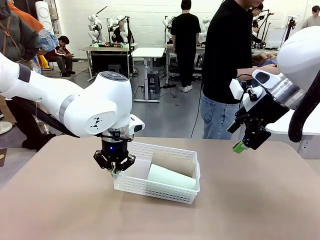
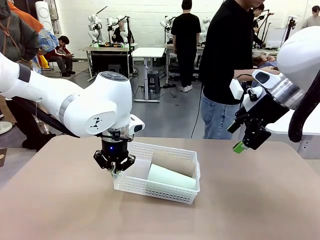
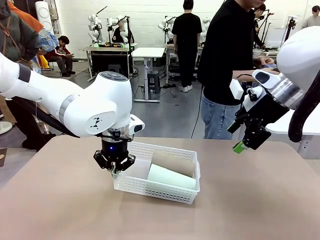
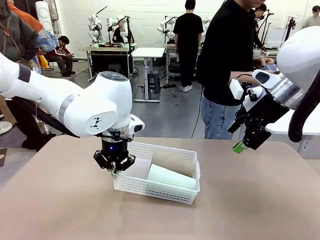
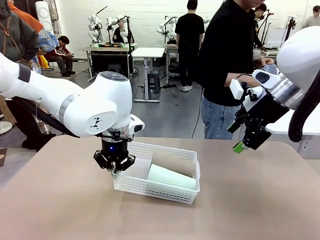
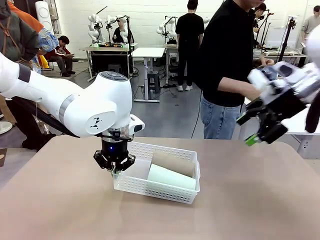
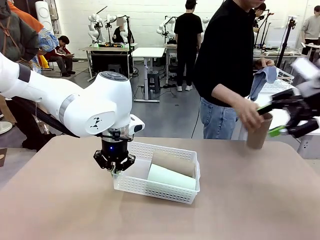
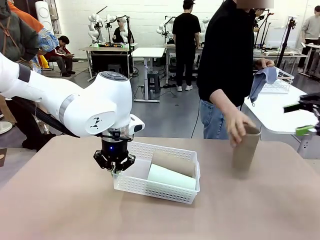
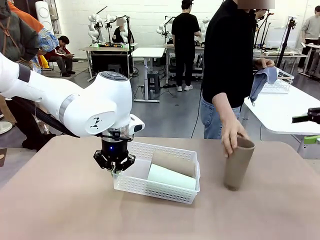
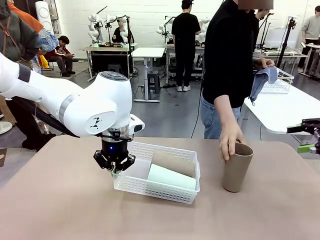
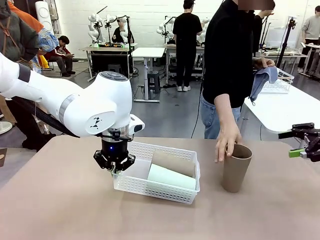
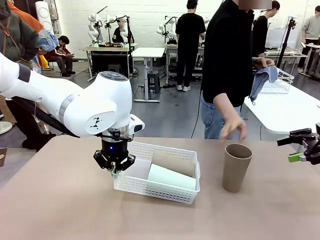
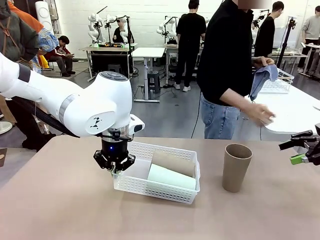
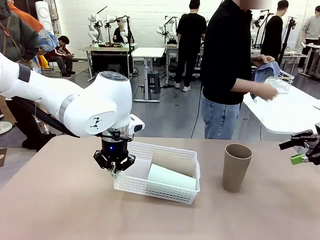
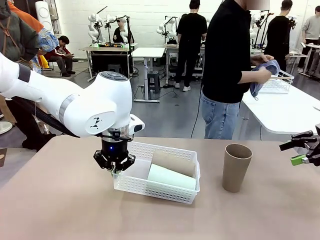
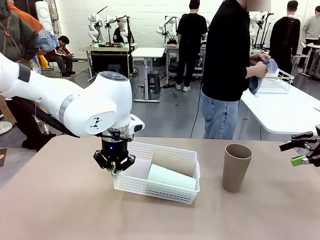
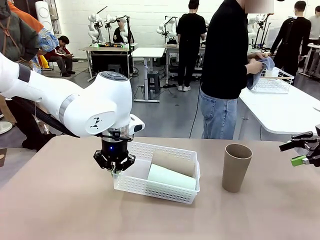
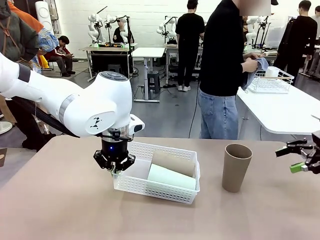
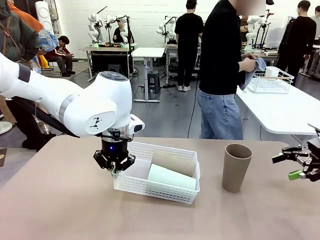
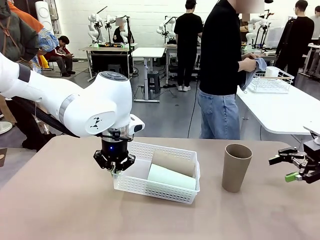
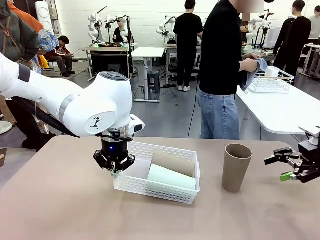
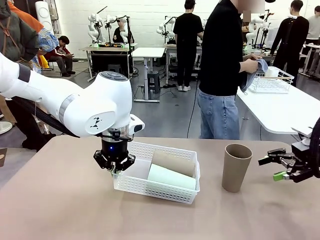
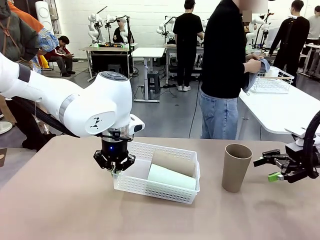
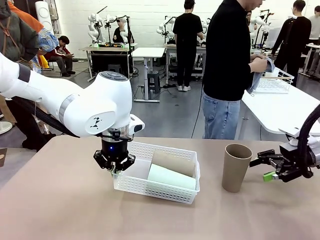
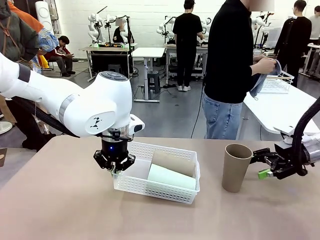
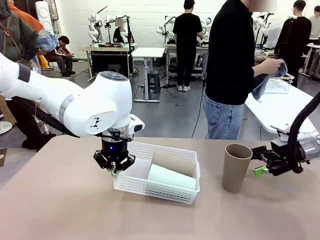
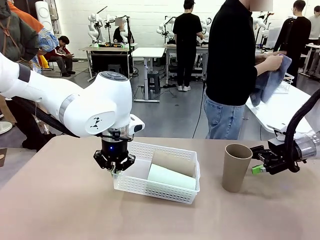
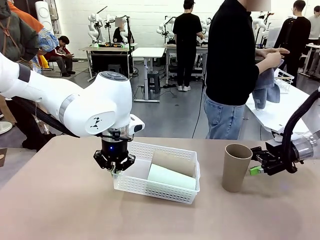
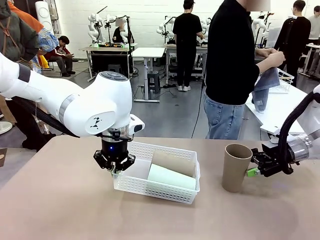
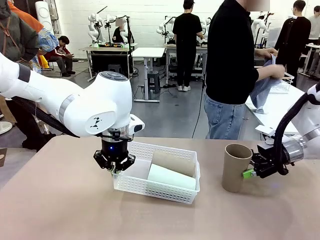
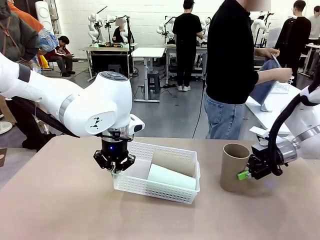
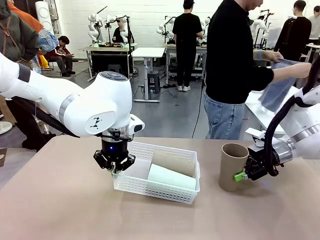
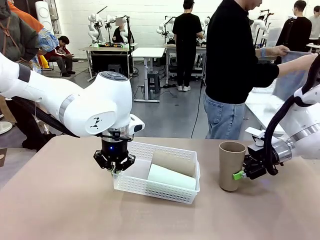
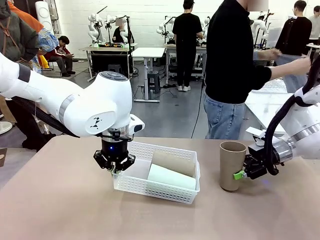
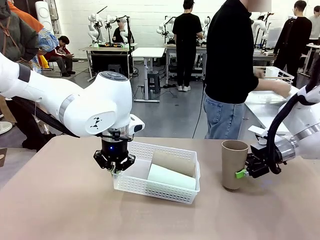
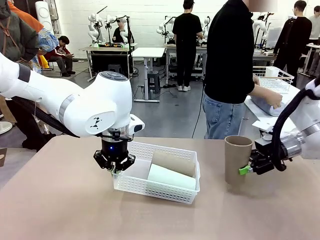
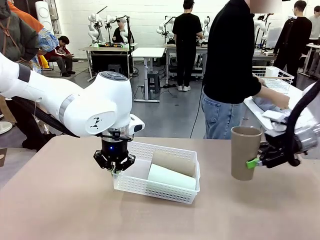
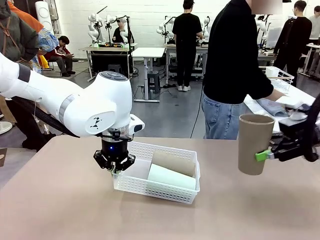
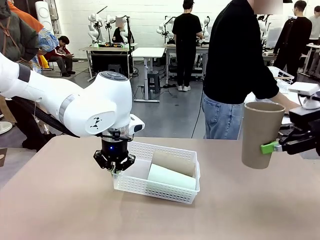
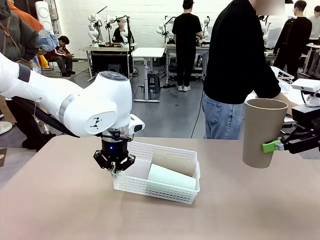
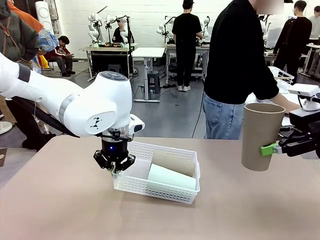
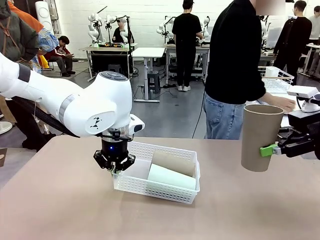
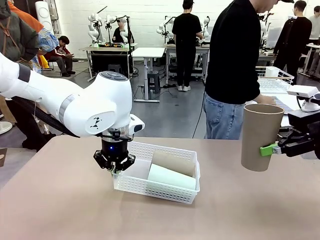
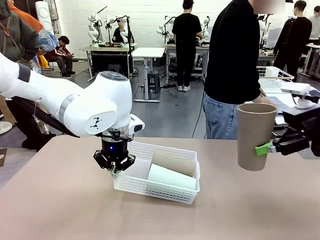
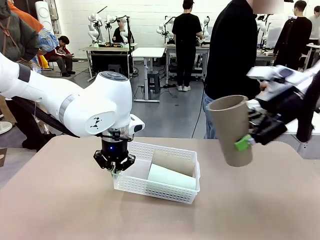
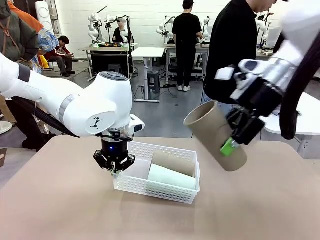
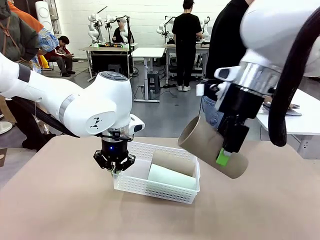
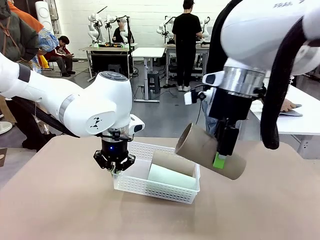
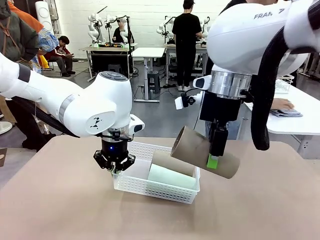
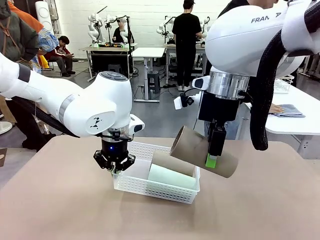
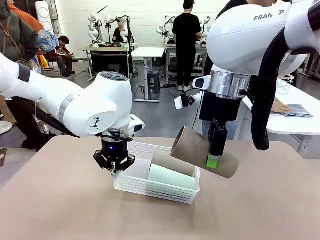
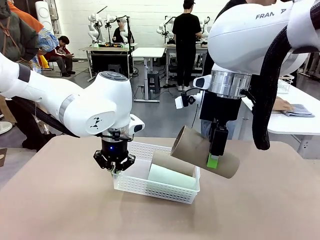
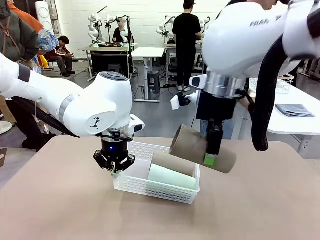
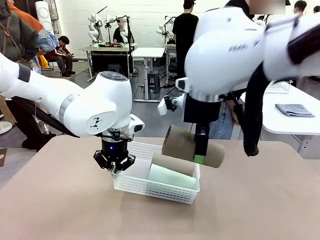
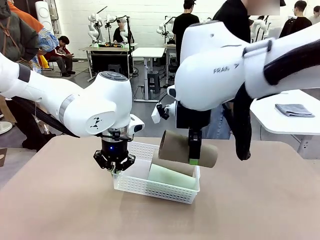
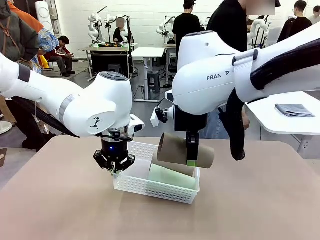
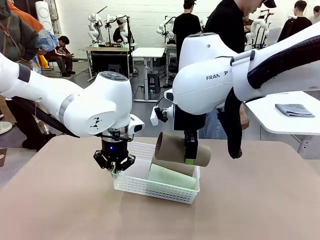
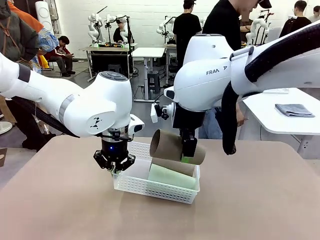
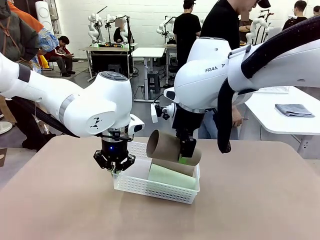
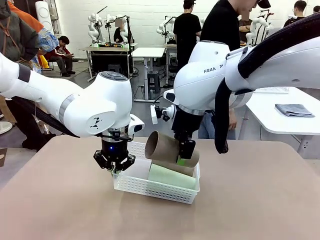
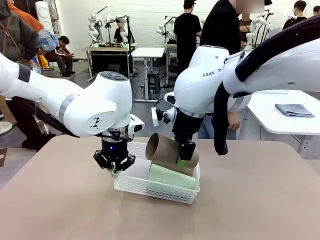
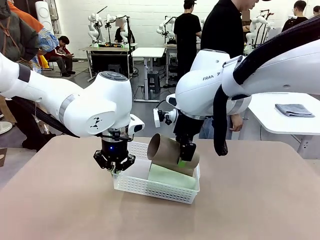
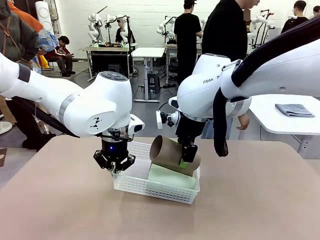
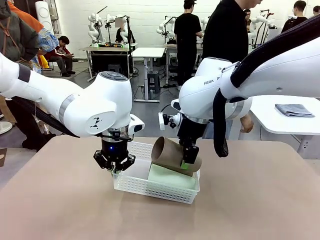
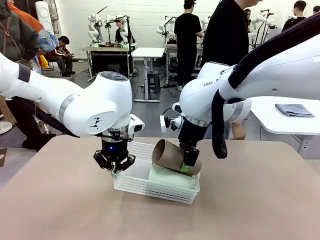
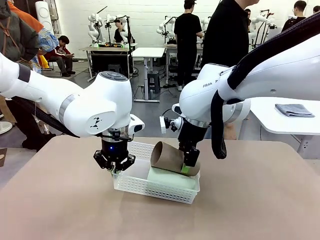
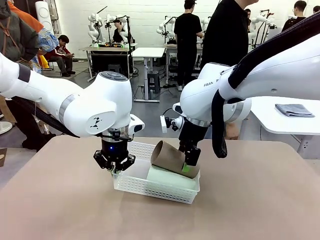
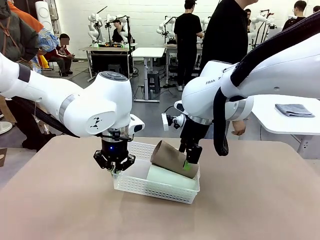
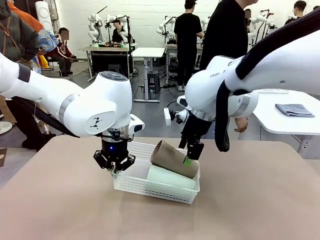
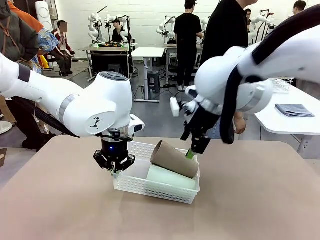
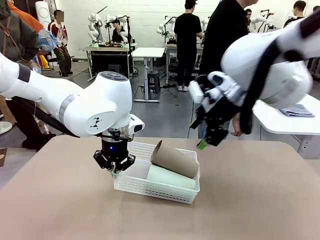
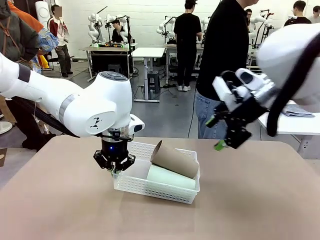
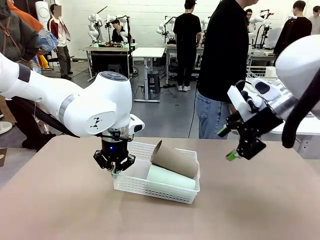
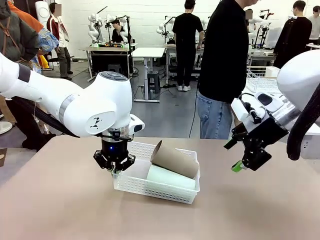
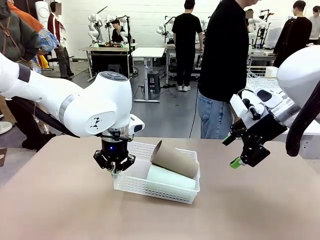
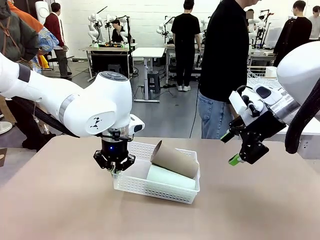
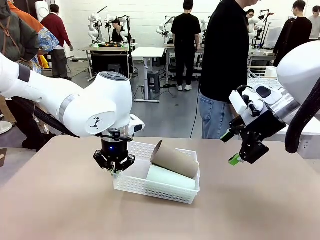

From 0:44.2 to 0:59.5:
Task: Clean and organize the cups into the basket.
Robot: Pick up the Reusable plastic cup from the right side of the table and stack it inside the Organizing basket in the center of the table.
